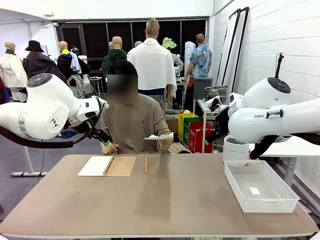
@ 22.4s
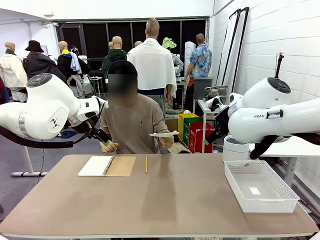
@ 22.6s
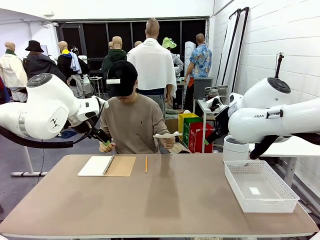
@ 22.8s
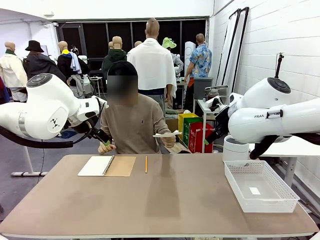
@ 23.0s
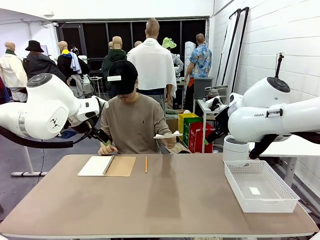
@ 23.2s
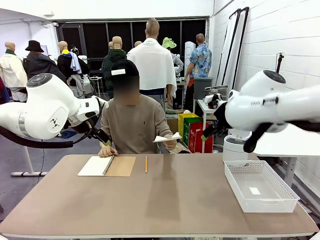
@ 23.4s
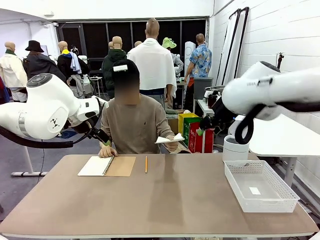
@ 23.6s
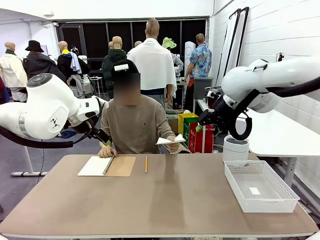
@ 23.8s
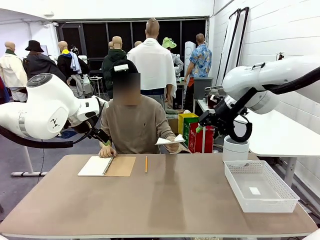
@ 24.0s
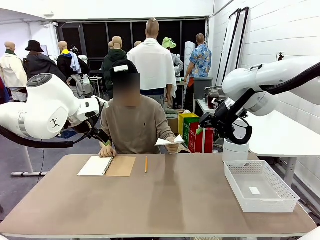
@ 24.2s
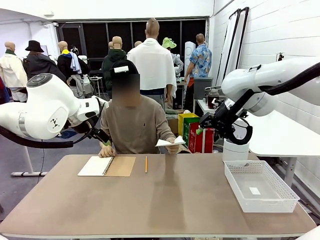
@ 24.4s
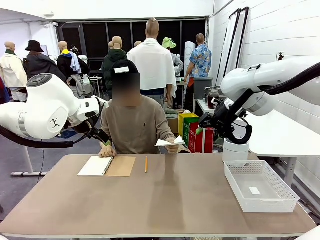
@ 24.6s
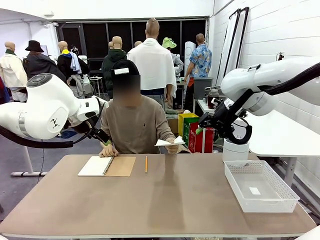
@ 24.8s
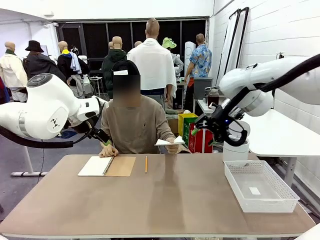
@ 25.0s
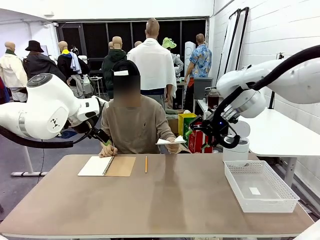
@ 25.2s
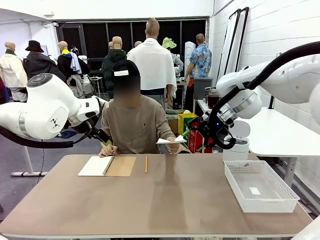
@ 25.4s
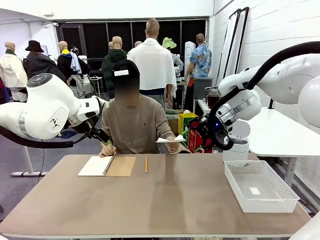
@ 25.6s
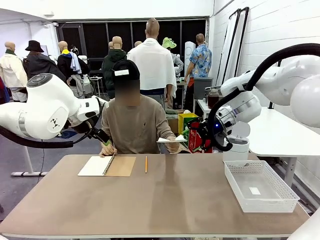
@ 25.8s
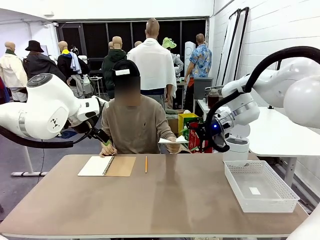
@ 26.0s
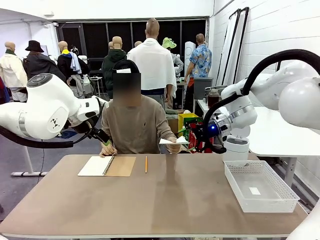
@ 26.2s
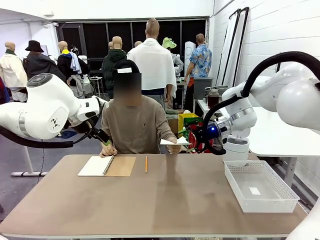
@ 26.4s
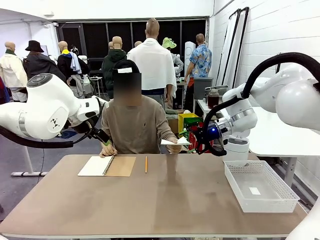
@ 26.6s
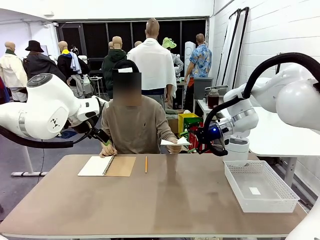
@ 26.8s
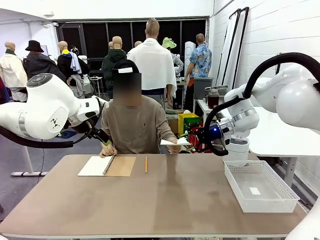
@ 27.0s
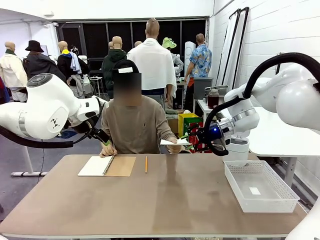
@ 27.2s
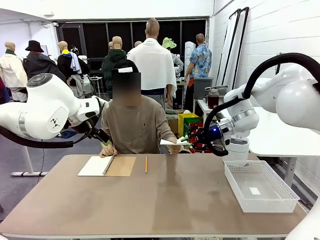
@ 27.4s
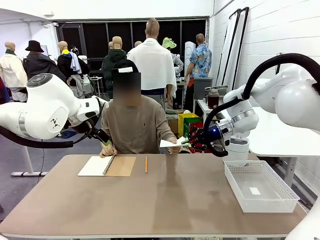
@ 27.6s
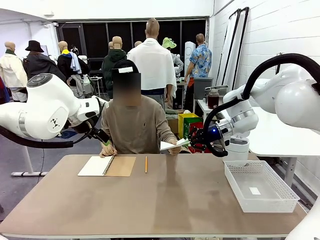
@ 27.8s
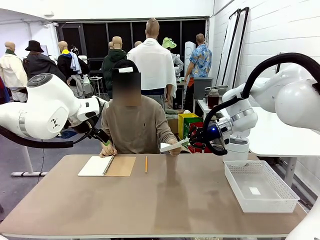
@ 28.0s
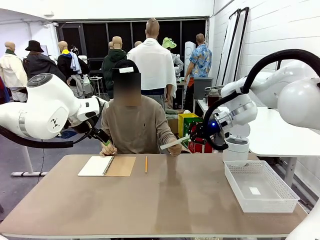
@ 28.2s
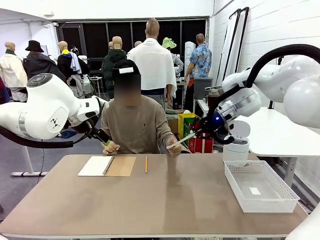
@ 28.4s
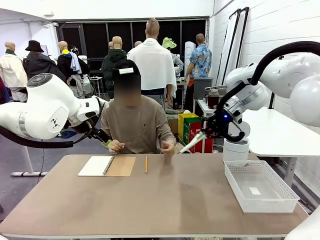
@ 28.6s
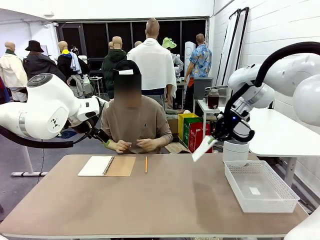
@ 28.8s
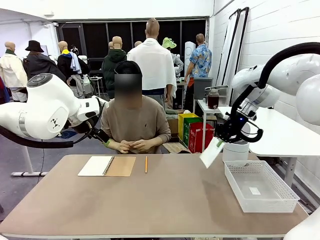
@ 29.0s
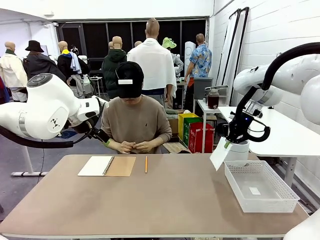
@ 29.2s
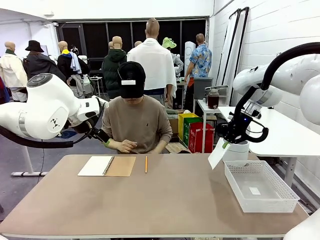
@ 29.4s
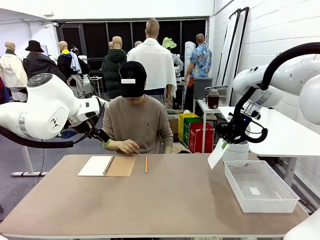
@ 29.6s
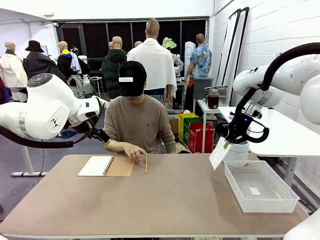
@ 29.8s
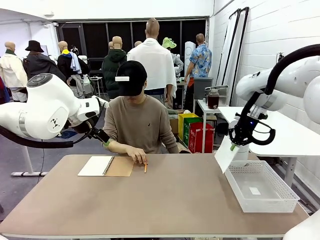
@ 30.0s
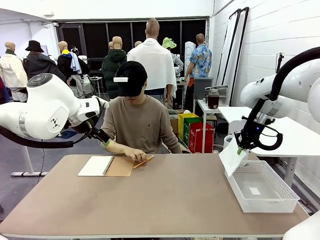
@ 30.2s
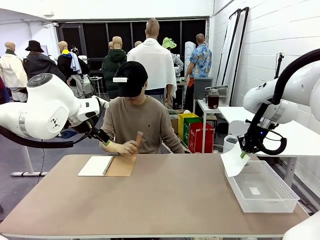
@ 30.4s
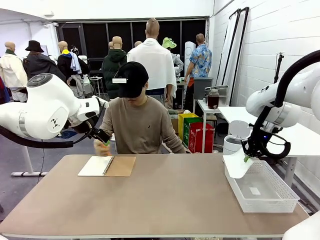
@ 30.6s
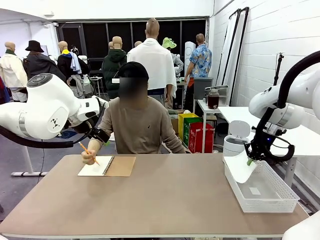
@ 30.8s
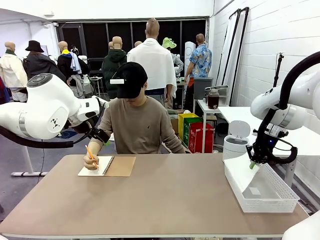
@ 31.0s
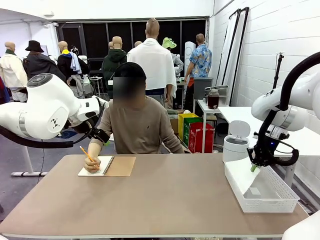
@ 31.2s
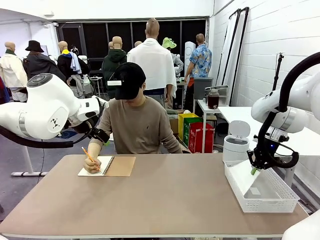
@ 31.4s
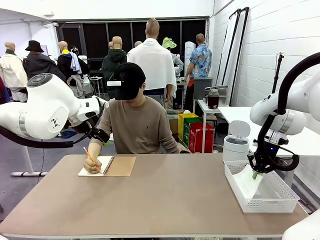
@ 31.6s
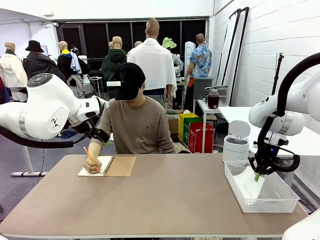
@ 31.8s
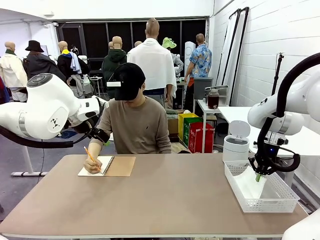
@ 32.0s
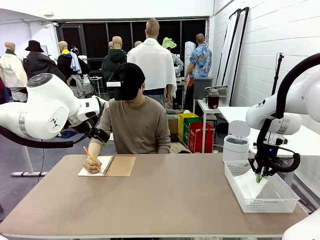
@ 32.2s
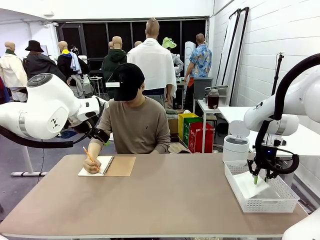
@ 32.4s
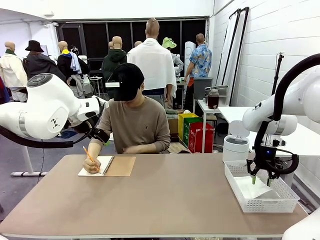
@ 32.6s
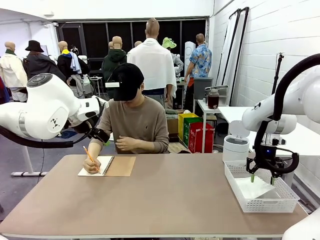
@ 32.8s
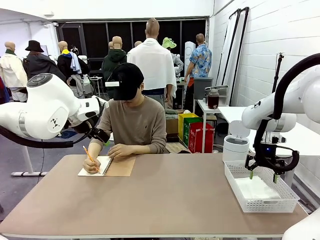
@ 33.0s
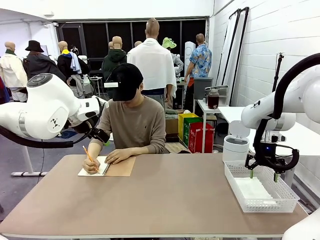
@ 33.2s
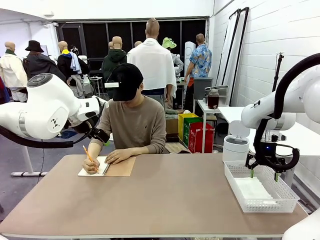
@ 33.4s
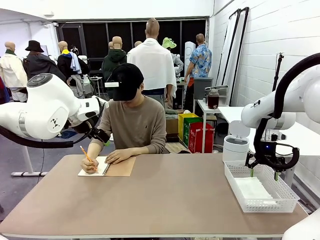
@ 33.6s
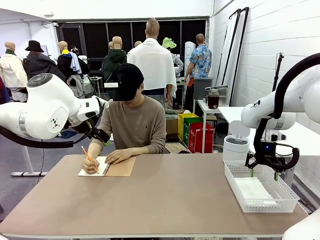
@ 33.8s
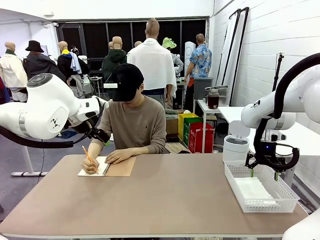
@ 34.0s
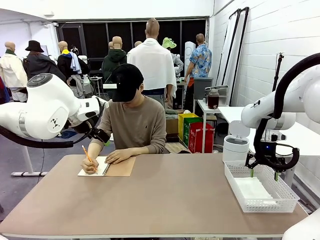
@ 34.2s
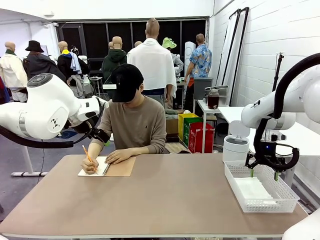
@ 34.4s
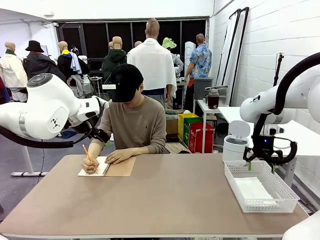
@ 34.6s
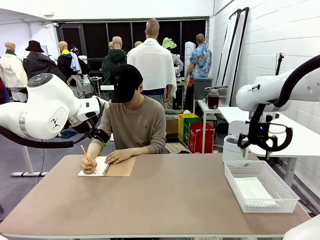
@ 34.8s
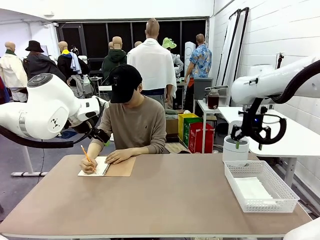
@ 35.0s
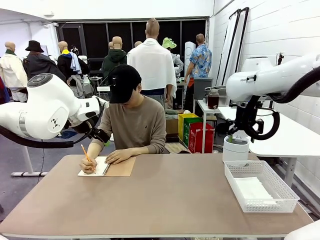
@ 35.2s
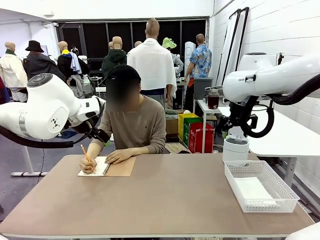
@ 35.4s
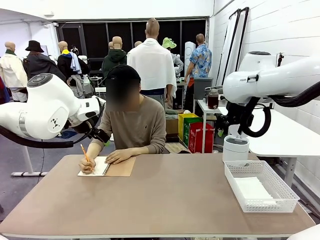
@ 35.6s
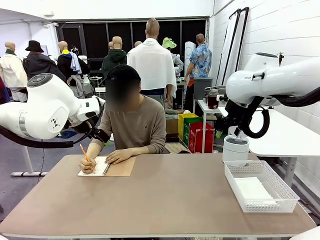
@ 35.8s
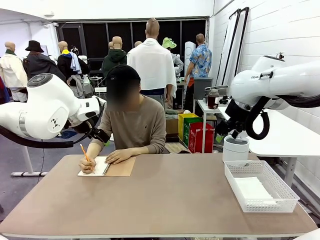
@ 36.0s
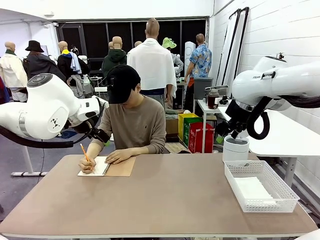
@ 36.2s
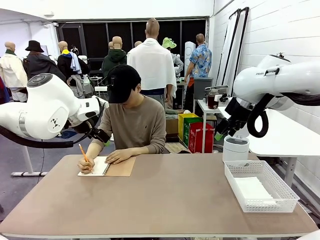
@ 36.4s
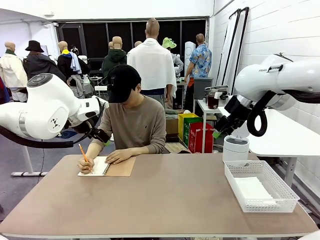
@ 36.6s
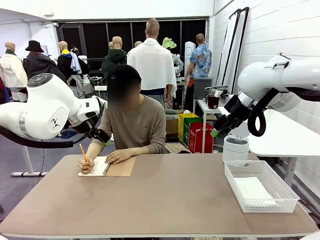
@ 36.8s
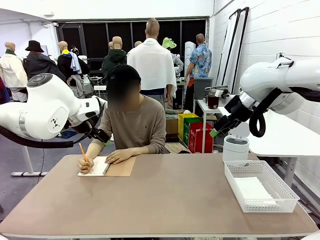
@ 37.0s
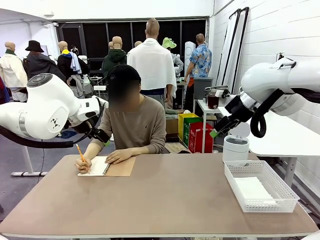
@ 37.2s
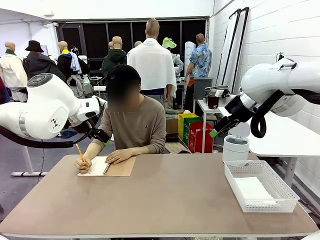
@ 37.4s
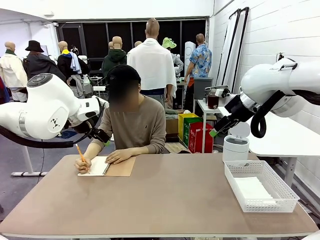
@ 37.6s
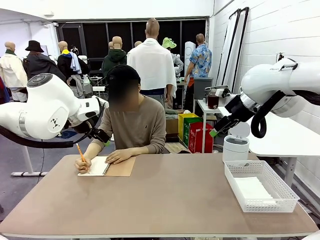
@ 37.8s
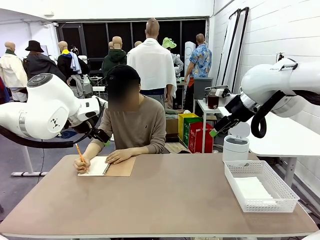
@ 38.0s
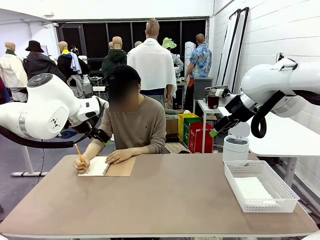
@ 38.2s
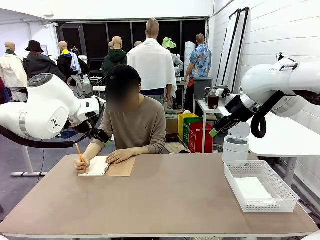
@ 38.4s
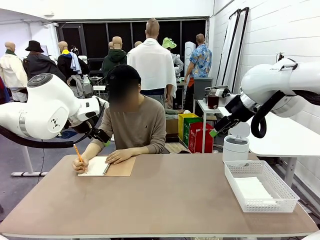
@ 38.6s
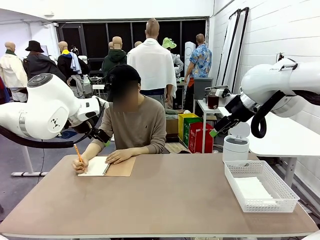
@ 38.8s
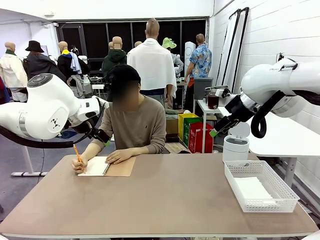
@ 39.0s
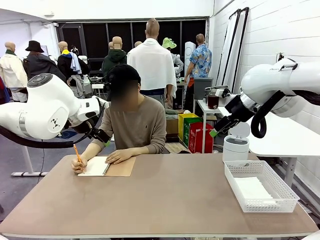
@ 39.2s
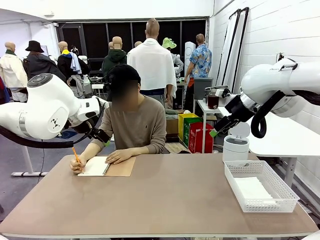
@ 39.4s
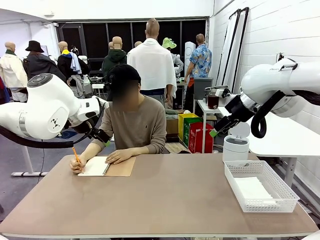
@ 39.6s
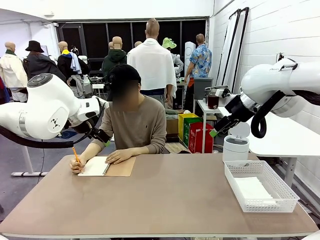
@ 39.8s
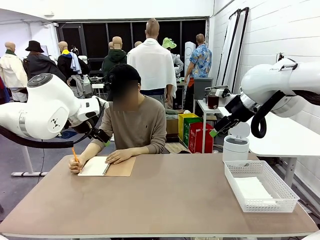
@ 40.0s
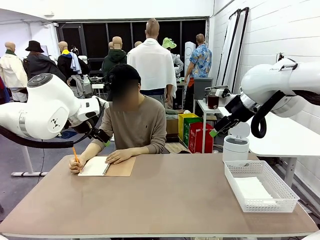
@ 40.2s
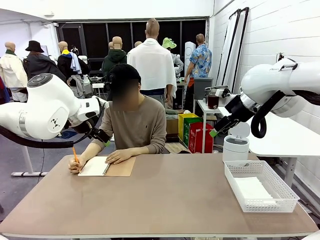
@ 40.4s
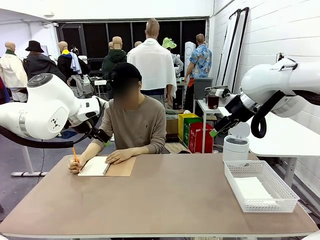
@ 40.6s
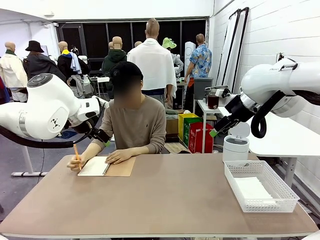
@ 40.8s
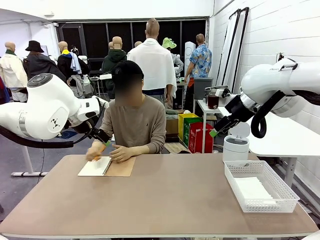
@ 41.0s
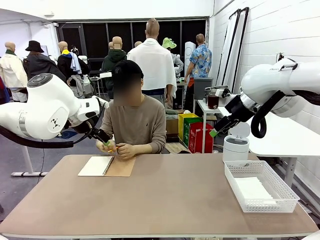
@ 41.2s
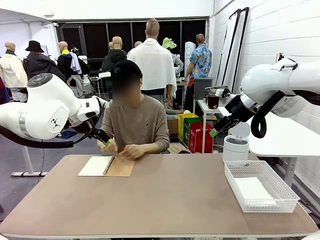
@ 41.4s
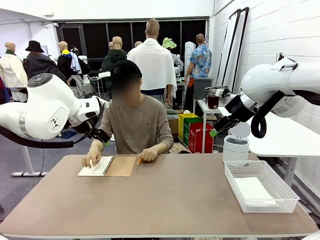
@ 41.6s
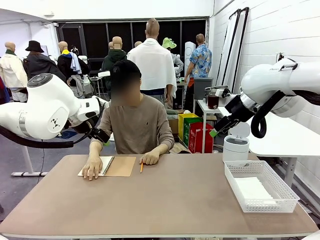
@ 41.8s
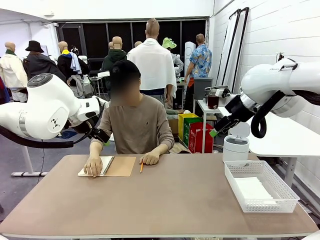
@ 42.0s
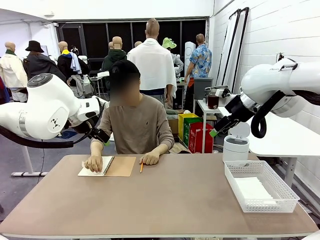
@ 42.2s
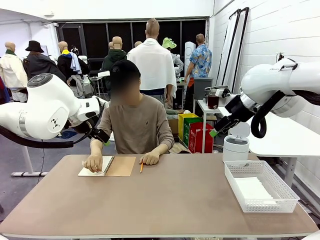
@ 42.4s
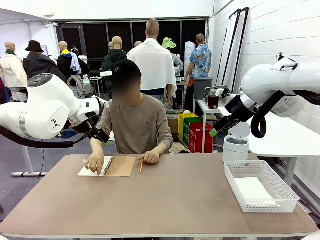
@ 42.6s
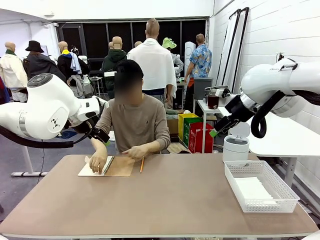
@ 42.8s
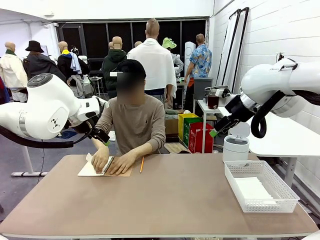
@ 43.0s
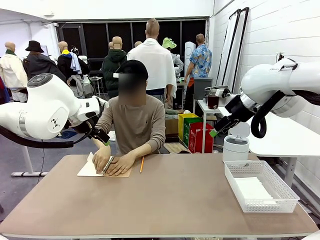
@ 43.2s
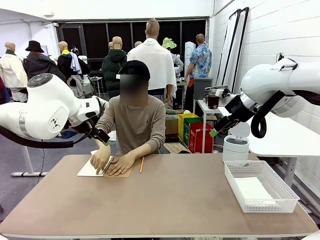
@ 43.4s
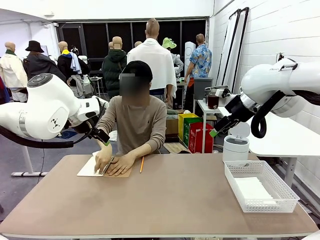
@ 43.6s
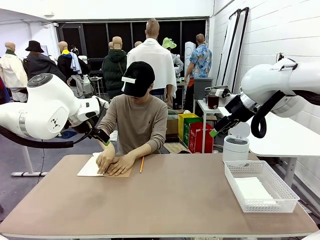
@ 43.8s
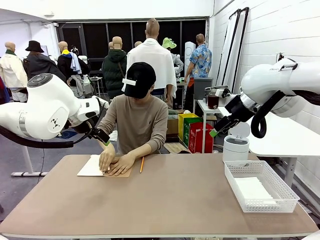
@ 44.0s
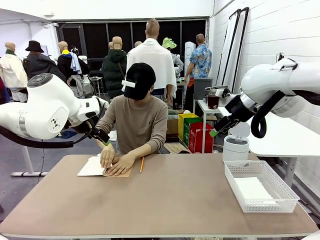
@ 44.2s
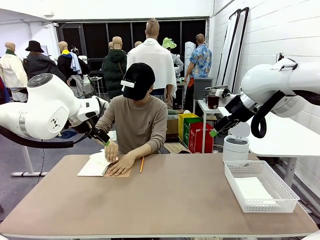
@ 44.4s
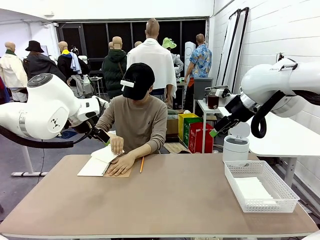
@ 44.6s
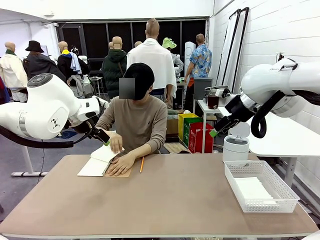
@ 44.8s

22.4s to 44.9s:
Task: Sort the paper based on its condition.
Robot: If a person hands you a paper, place it in the Organizing basket , and if it's crumpled, put it in the Trash can.
Person: Tear out a page from the spiral notebook.
